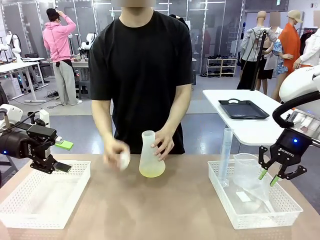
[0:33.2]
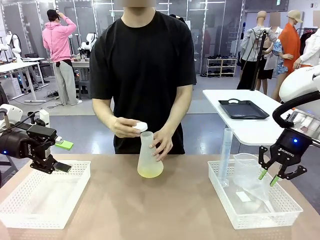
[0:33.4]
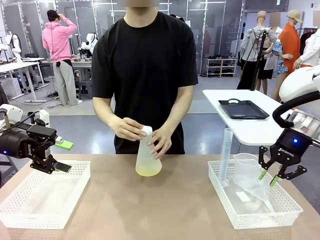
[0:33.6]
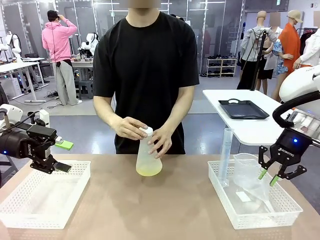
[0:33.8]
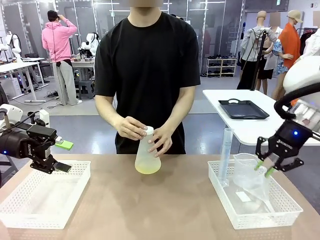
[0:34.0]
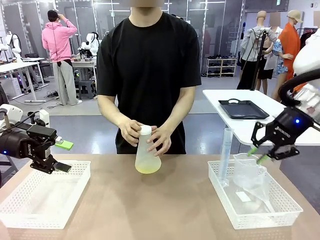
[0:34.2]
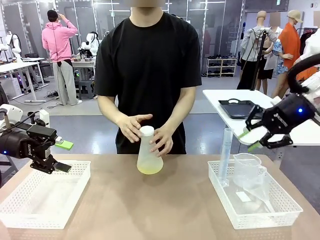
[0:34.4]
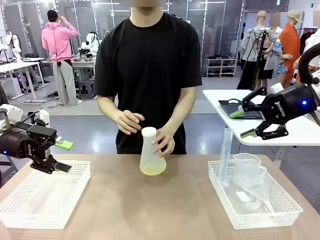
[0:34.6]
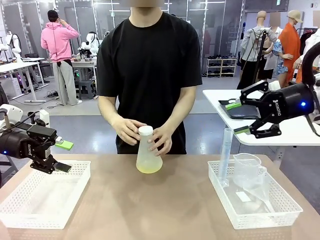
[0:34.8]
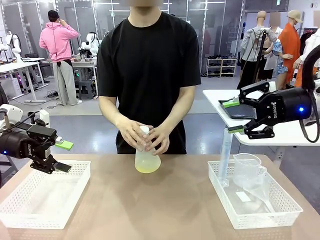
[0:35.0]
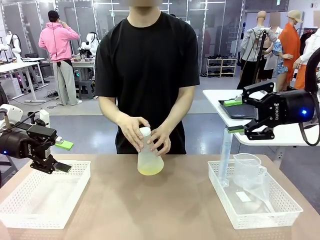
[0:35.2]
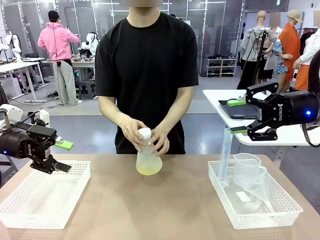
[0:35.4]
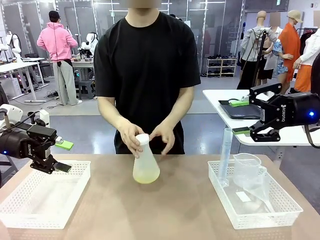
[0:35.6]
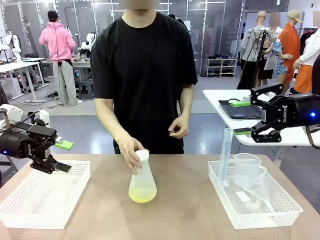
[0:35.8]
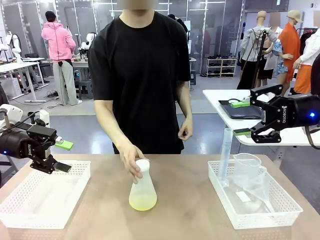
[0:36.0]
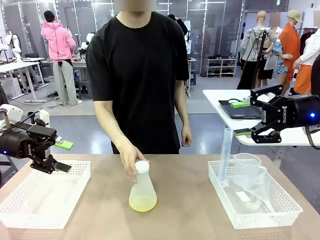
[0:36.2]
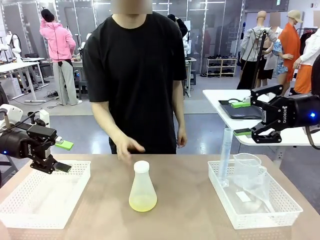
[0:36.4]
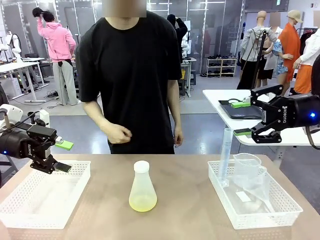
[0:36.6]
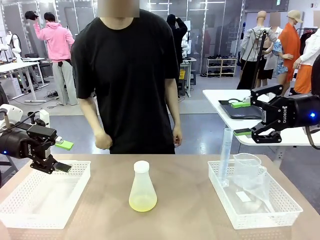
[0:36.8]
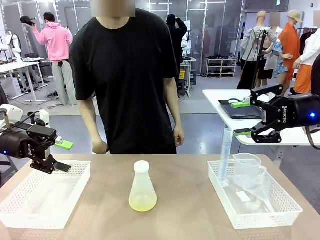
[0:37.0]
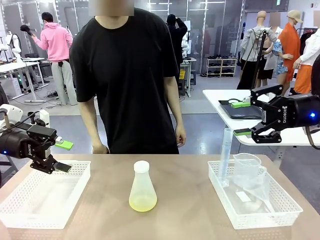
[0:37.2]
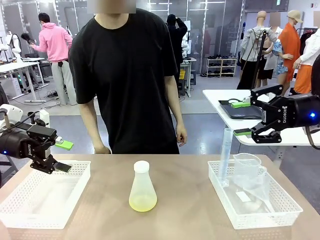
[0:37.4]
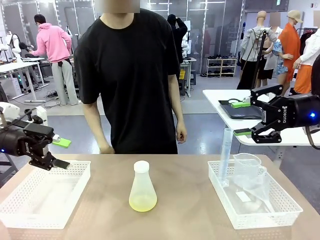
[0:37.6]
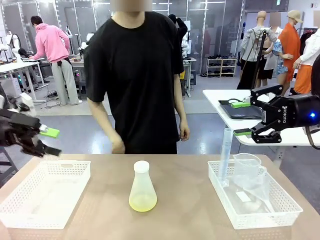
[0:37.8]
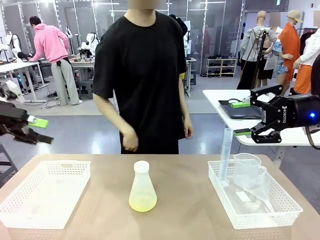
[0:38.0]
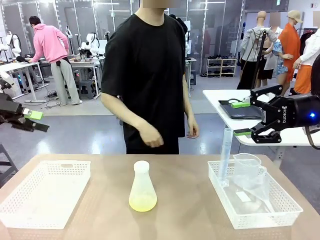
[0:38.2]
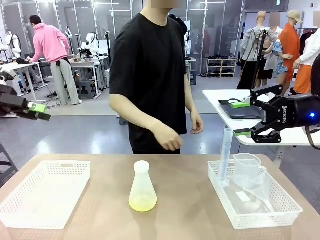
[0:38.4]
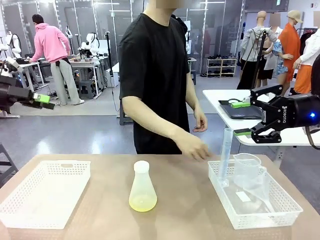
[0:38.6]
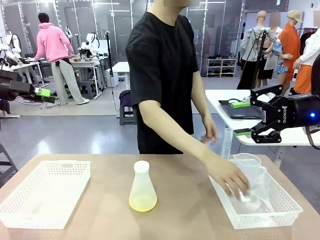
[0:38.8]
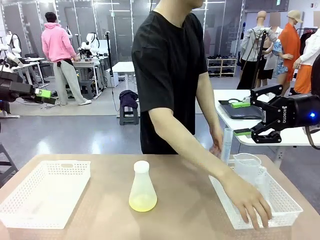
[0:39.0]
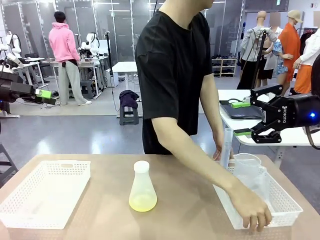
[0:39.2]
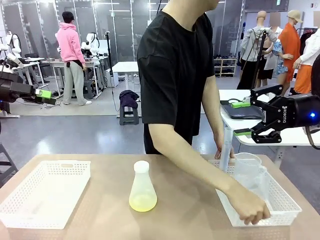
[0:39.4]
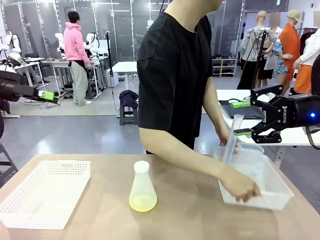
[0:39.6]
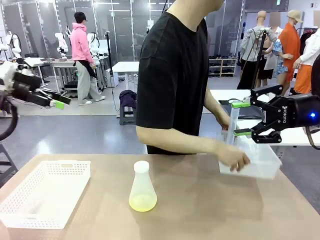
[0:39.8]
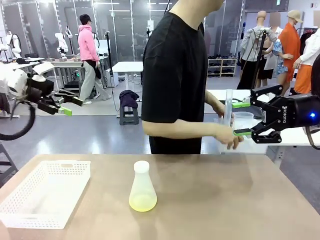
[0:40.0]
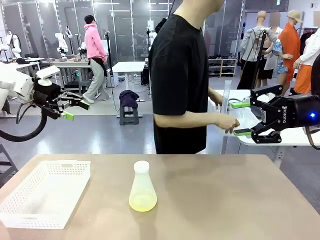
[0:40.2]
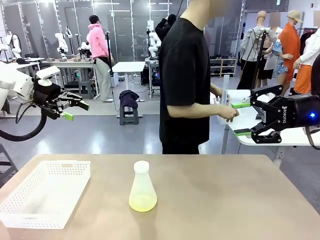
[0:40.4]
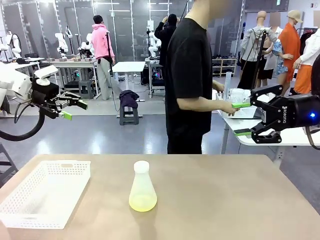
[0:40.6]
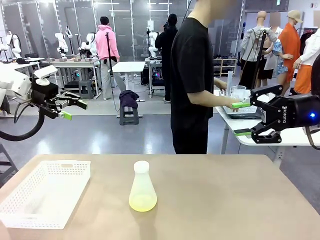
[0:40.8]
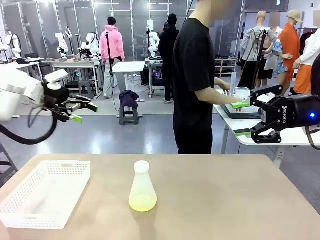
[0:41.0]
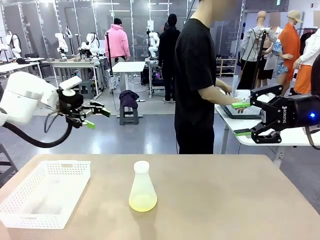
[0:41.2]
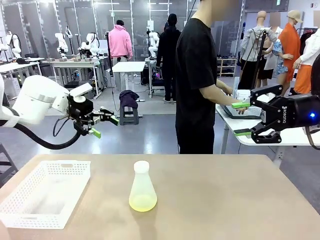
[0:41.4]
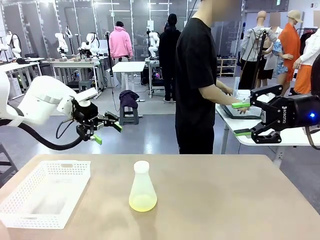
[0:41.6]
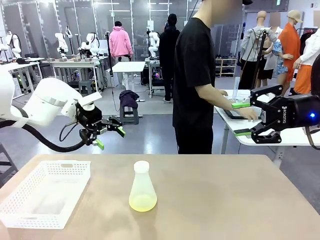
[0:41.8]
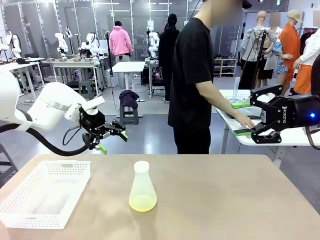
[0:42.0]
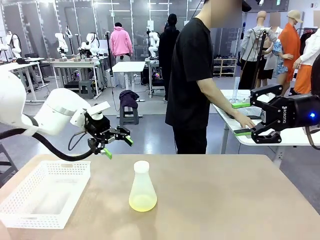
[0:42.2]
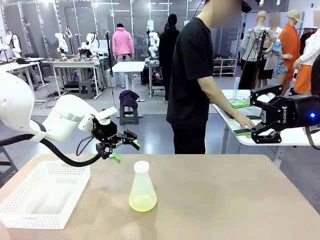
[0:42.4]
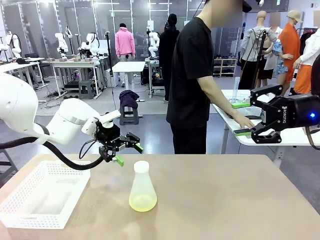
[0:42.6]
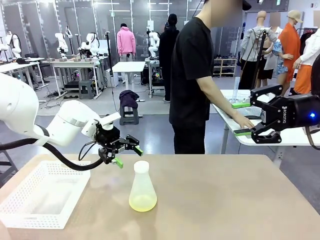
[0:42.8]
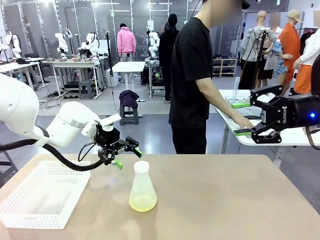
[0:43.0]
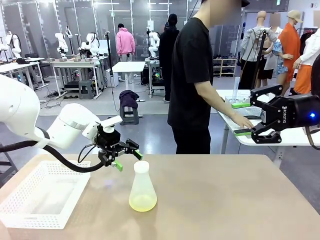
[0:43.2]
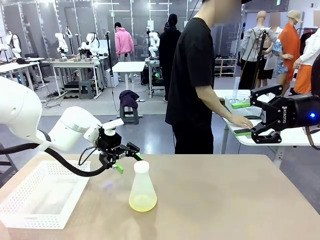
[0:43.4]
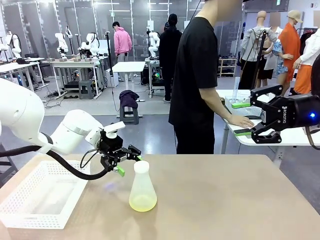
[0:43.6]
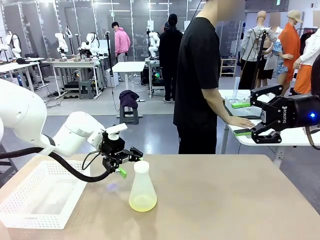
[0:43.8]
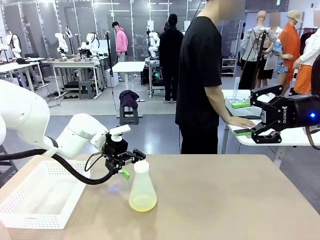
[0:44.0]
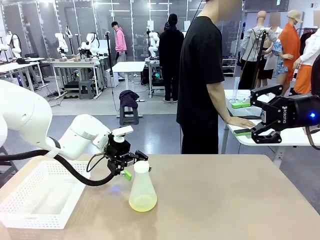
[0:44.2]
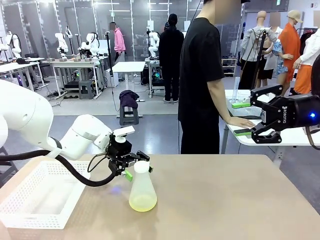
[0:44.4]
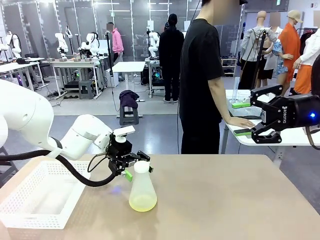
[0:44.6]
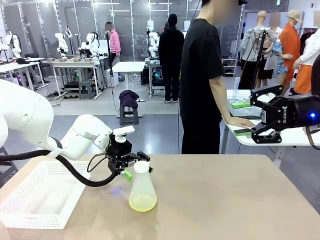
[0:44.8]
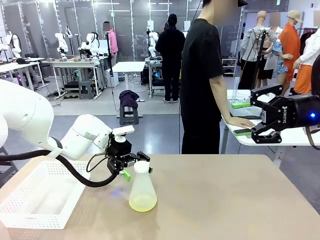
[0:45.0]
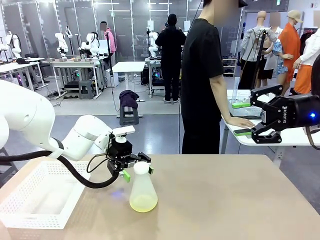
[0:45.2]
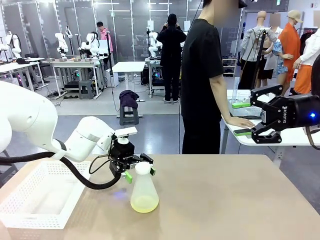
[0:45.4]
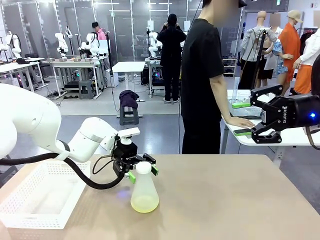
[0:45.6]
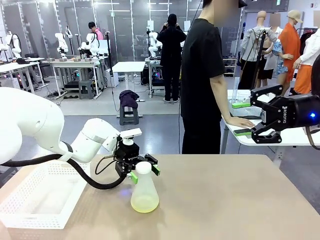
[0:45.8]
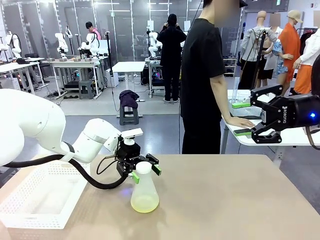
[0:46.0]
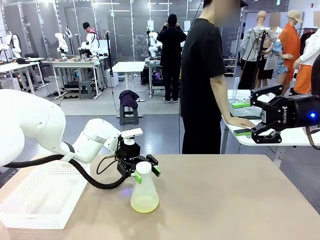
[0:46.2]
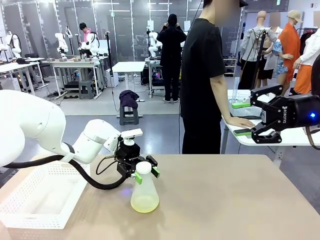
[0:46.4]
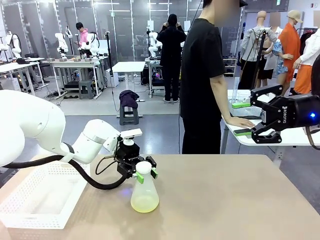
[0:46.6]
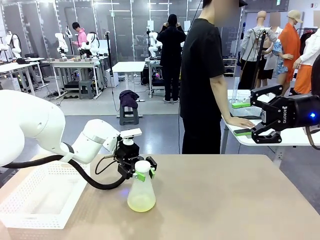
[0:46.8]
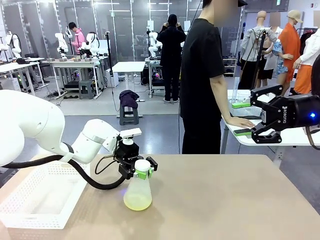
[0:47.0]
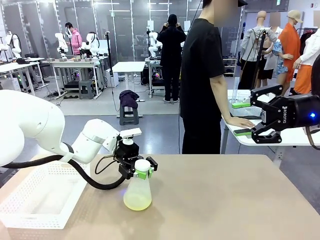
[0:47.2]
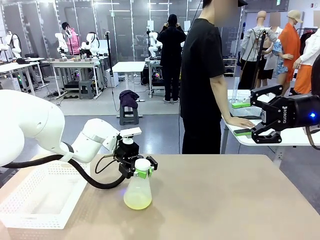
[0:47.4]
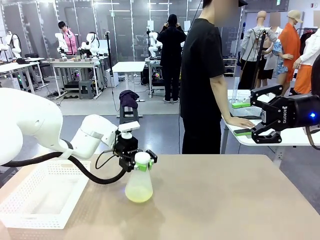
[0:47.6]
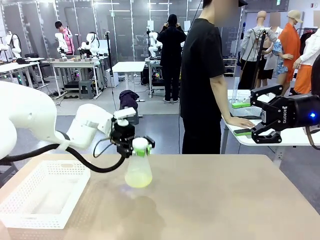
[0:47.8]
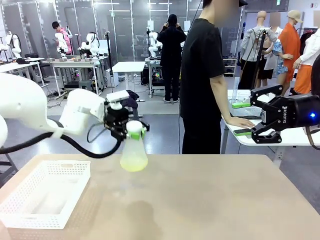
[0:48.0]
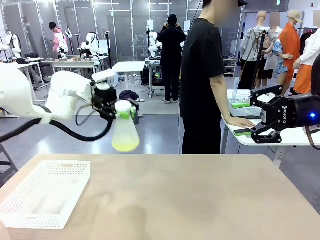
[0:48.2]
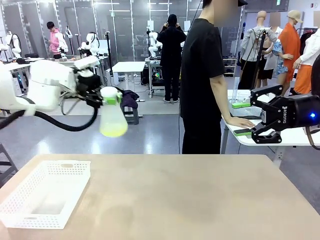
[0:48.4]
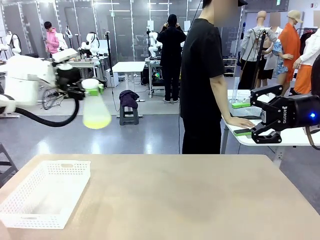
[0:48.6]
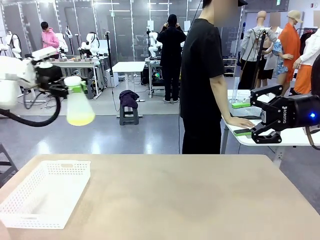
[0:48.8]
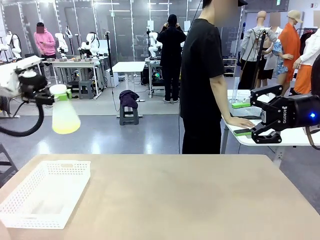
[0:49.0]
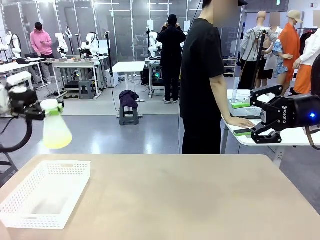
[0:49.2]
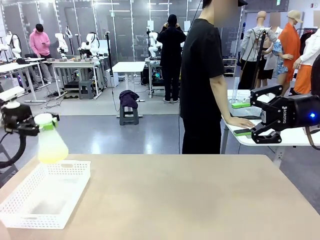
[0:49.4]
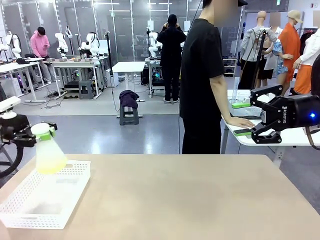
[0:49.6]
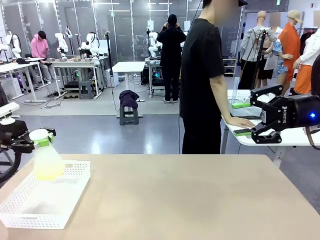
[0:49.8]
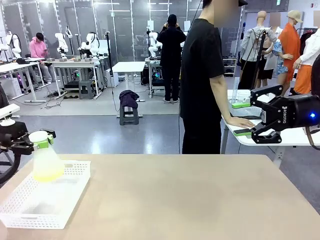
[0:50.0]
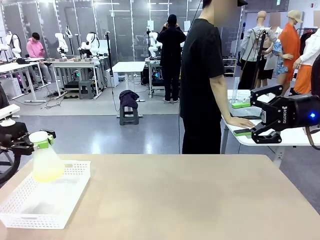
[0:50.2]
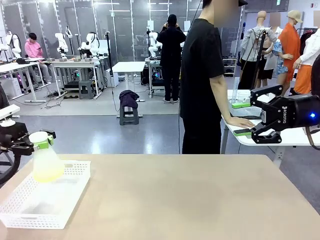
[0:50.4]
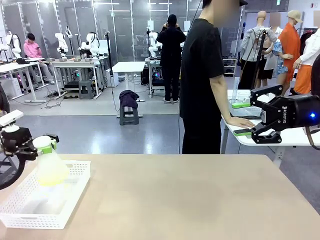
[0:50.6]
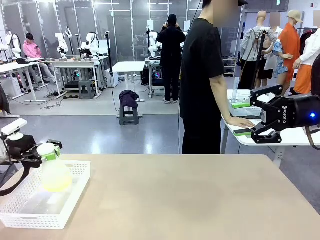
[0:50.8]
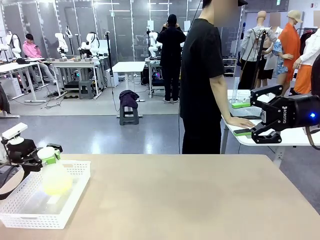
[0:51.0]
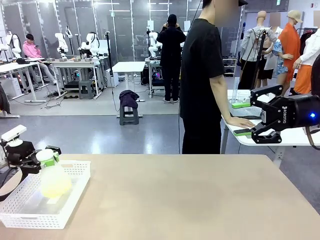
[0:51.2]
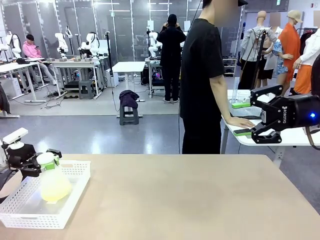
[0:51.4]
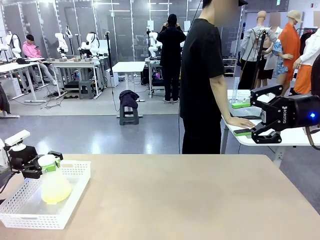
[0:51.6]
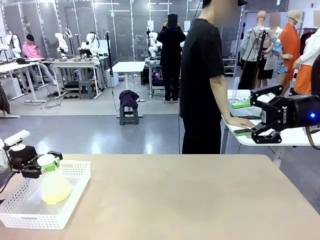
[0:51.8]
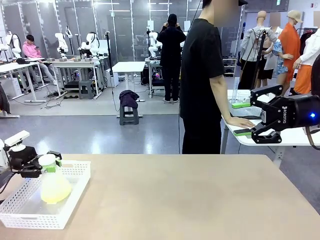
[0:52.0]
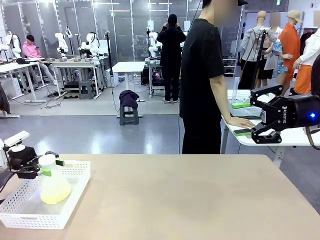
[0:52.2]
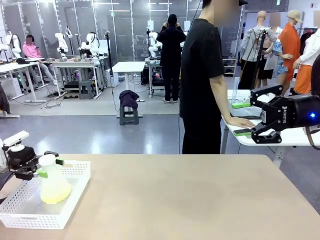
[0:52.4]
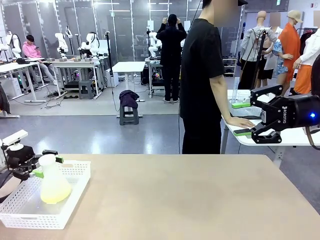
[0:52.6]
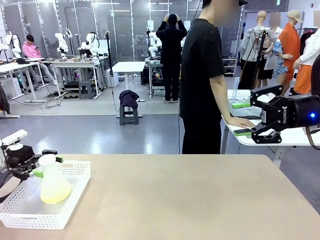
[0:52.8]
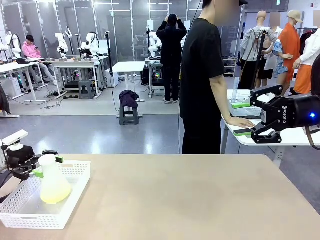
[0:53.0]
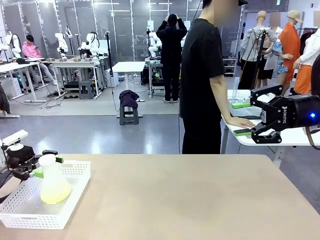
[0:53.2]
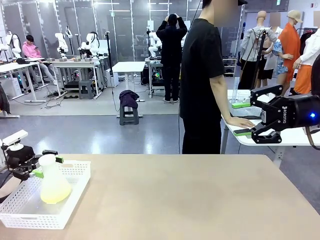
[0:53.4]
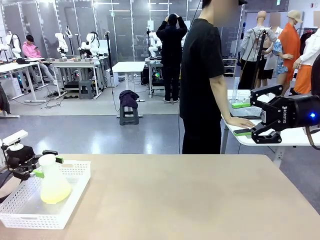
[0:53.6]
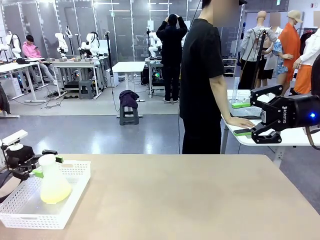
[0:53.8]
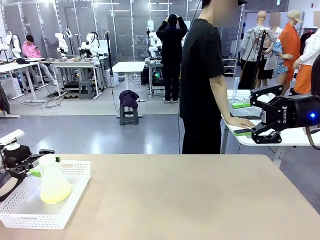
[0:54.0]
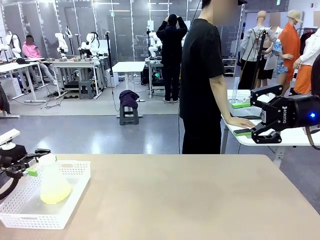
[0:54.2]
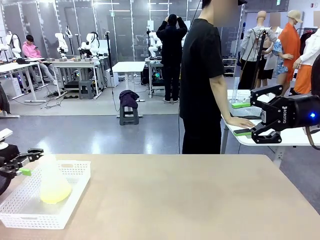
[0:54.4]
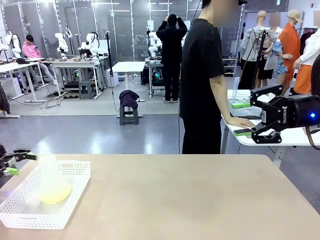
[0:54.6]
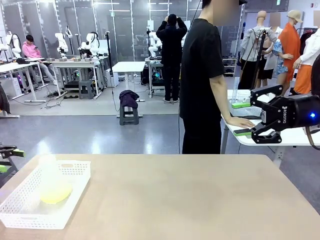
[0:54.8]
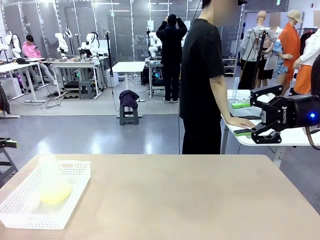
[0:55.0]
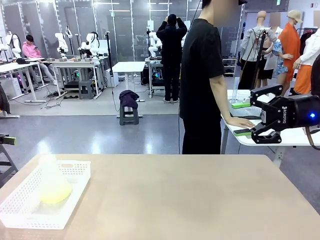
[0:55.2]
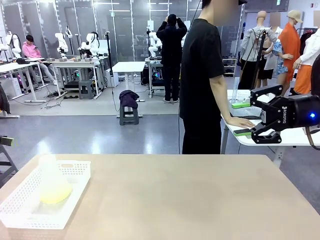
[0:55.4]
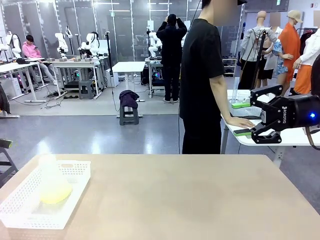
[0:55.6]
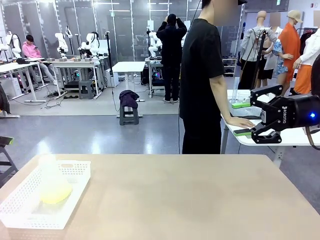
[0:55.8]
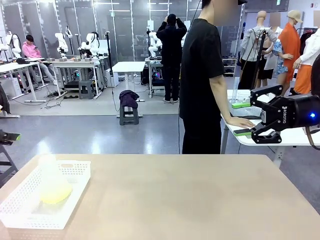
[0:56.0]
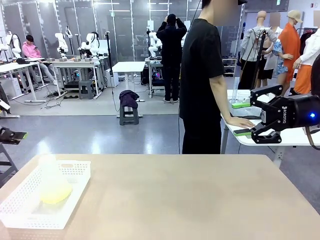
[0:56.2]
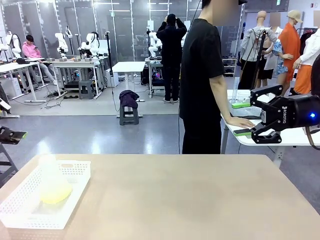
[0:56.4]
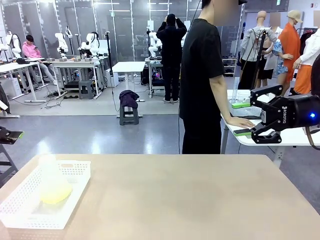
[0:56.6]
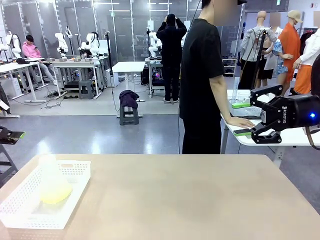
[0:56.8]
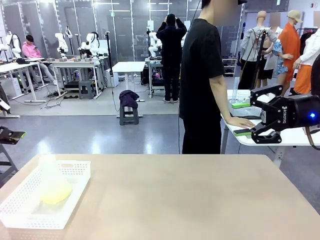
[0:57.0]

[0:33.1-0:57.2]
Task: Prepare the solutions needed for the experiment.
Robot: When the human places the Big flask in the center of the table, pick up the Big flask and place it in the left Organizing basket.
Person: Pick up the organizing basket on the left side of the robot table and place it on the left side of the human table.
